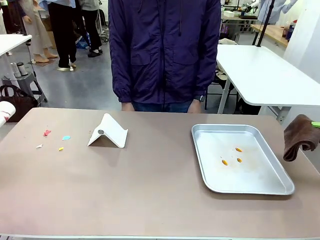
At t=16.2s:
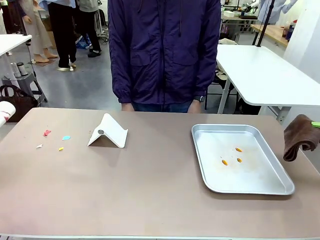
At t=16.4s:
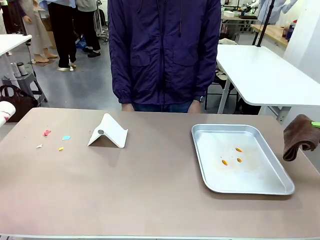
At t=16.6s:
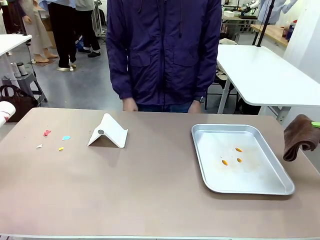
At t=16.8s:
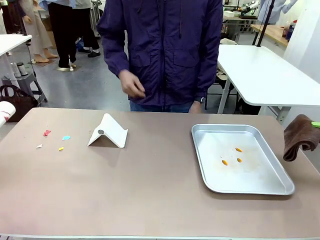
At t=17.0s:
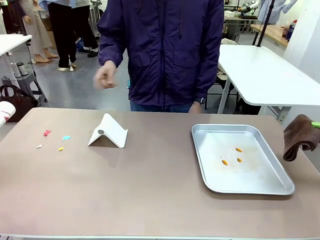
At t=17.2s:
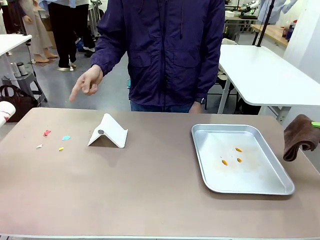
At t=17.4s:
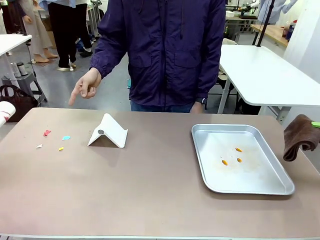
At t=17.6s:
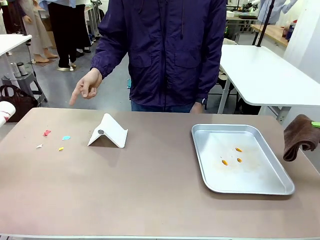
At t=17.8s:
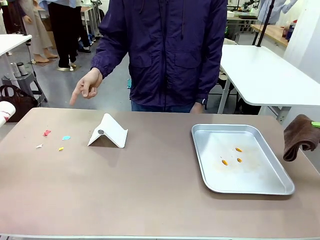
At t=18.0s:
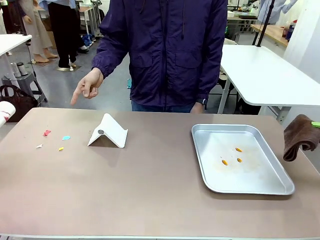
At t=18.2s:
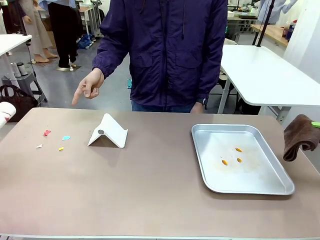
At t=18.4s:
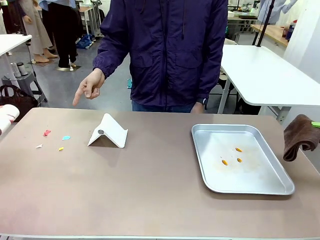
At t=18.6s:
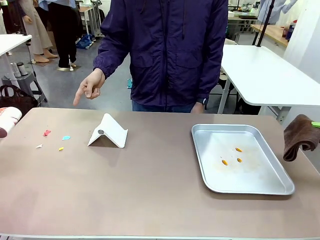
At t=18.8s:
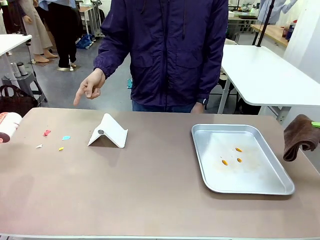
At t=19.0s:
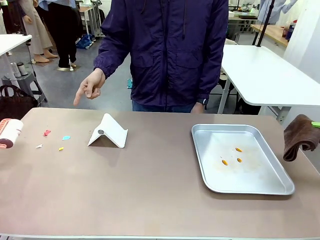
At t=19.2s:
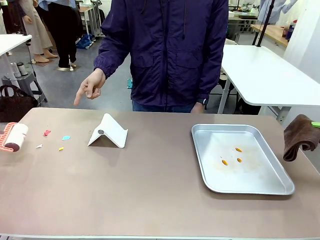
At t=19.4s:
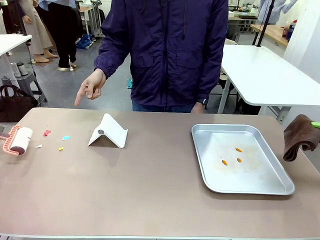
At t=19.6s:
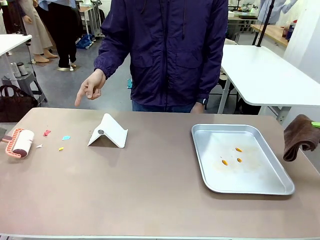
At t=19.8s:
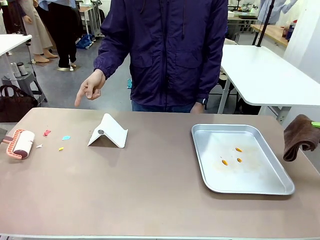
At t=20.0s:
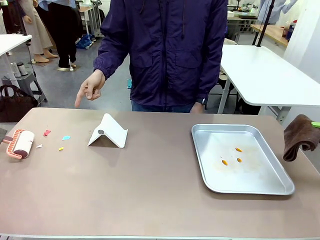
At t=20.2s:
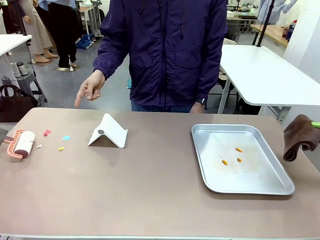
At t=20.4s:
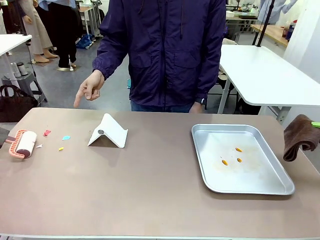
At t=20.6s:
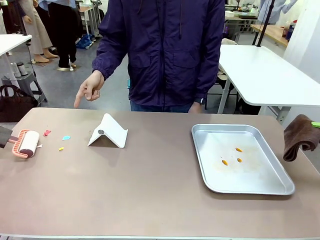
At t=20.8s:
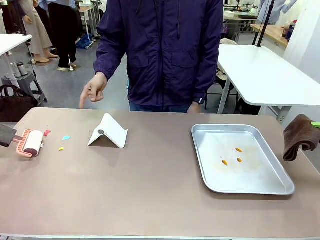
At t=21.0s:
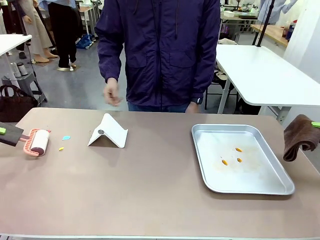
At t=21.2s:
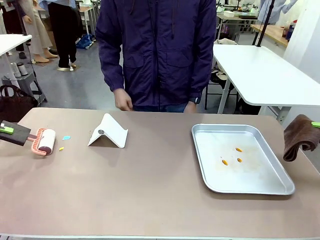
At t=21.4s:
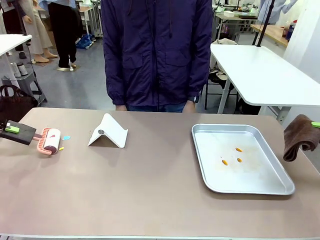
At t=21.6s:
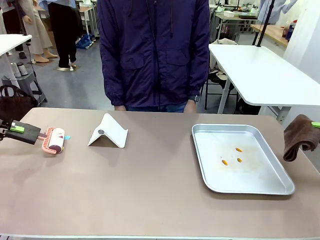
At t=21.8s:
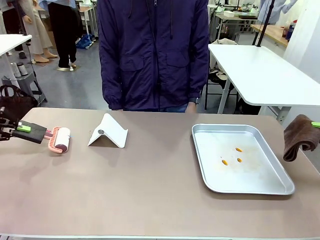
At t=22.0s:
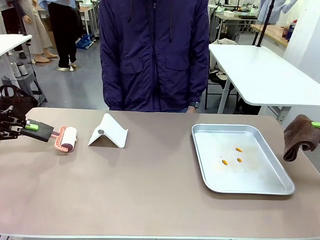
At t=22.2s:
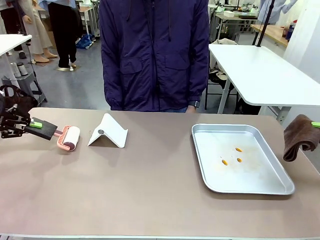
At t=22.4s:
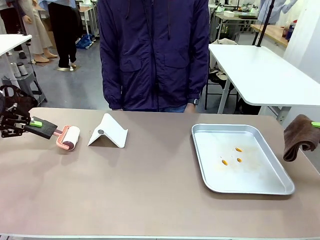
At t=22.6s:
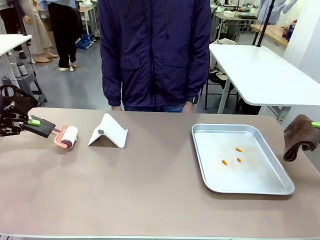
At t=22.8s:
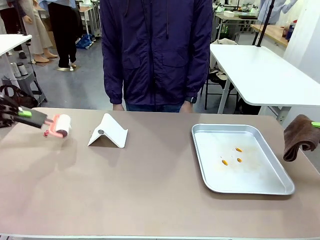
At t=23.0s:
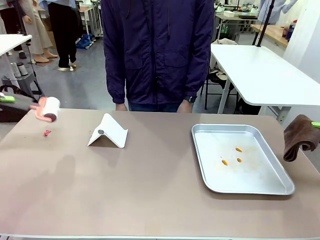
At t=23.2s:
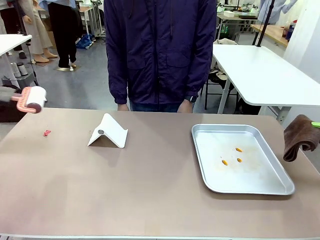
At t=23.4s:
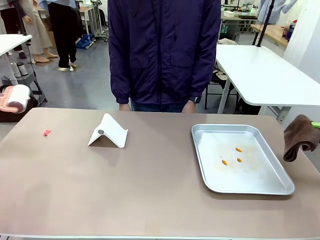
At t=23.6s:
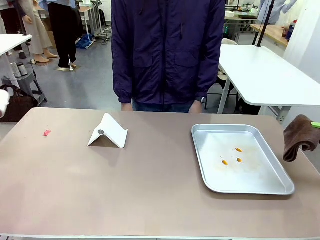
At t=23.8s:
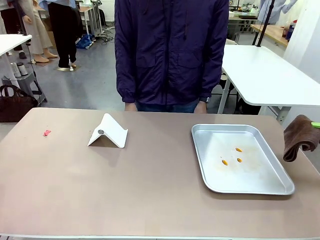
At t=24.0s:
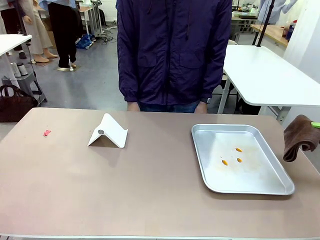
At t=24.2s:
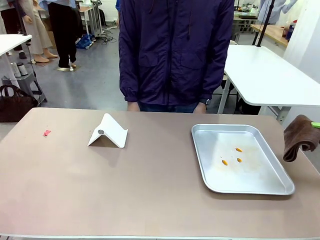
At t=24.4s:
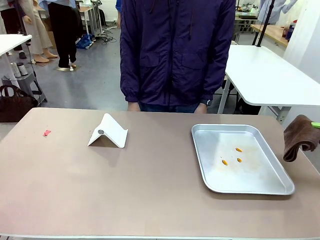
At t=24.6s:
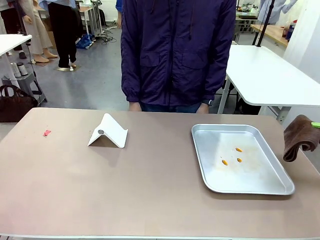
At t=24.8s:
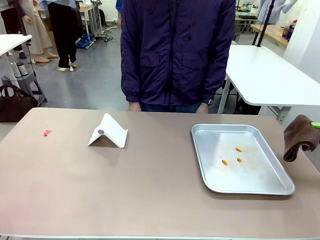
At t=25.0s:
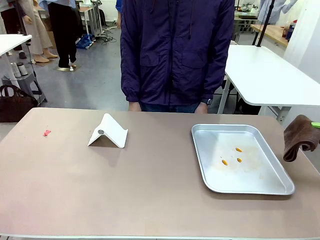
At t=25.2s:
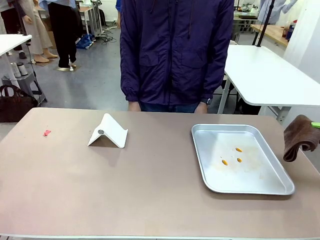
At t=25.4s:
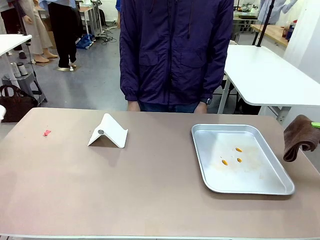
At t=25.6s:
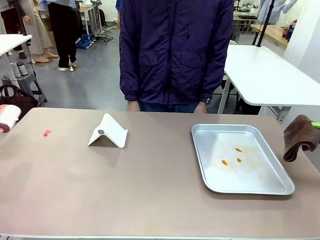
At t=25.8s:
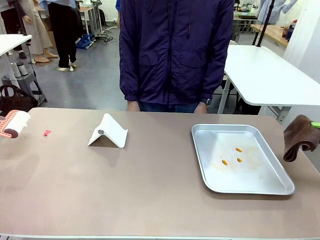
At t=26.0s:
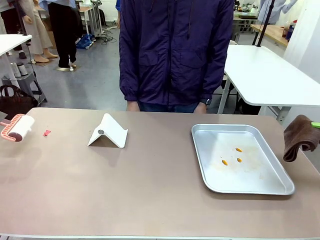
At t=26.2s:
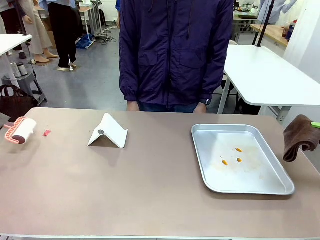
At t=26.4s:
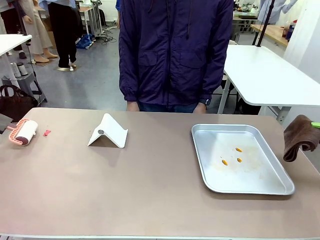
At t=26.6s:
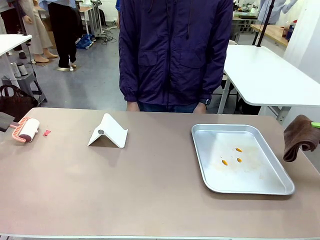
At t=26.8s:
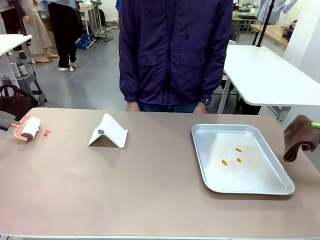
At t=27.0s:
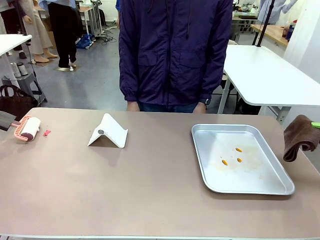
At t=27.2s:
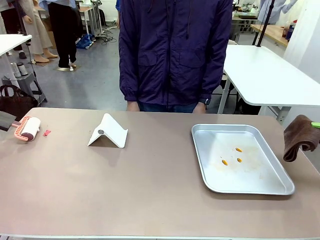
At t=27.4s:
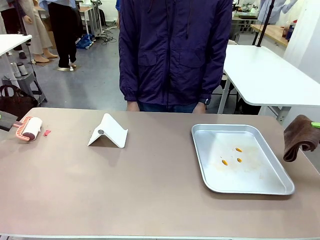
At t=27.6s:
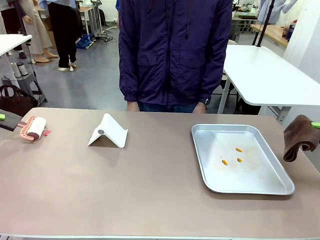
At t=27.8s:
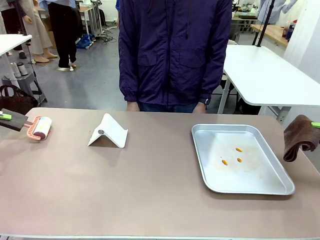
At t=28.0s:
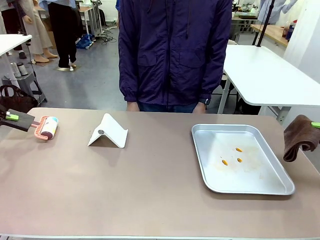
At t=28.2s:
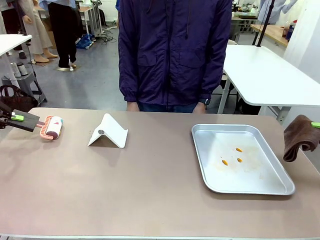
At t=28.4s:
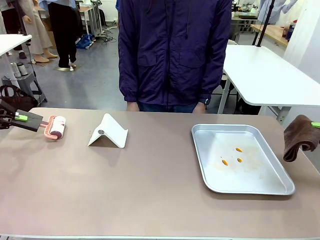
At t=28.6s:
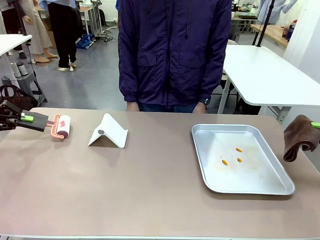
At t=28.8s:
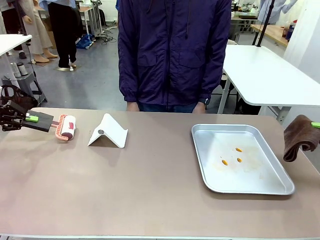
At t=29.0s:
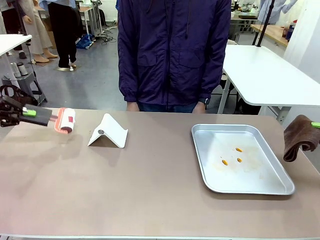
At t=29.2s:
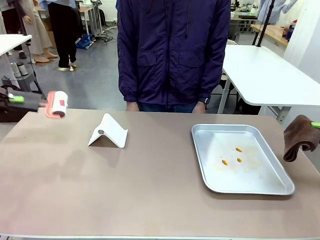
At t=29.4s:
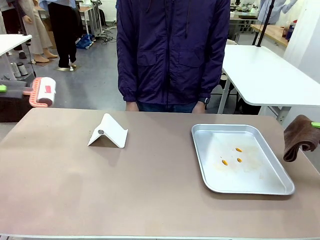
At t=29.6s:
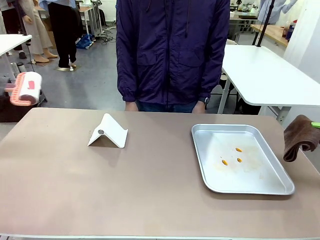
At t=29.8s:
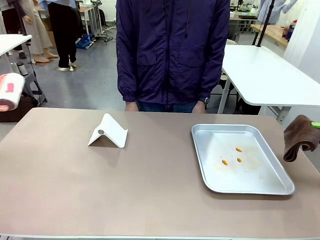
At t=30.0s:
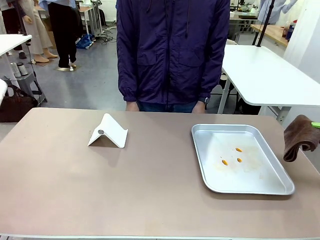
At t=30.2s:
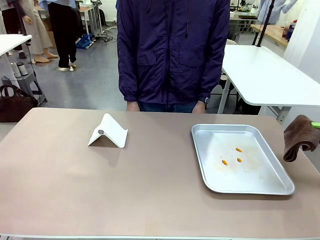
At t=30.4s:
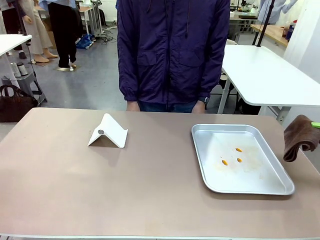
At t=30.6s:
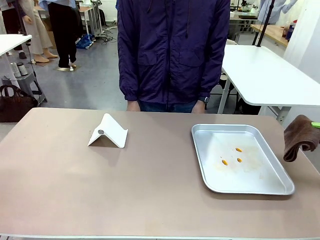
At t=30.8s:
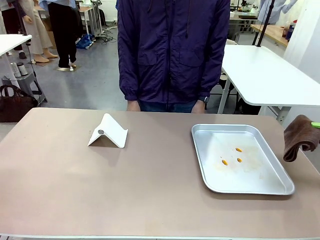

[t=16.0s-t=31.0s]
Task: Clean the surface of the table.
Robot: If a person points to the right, clean the right side of the table with your right hand, and if they point to the left, clean the left side with your left hand.

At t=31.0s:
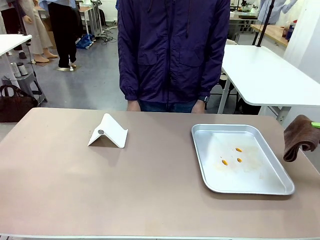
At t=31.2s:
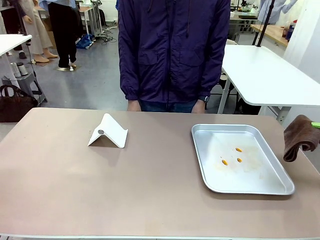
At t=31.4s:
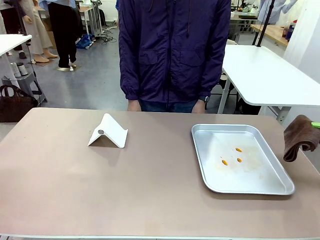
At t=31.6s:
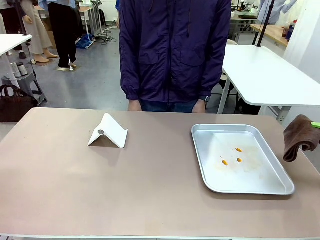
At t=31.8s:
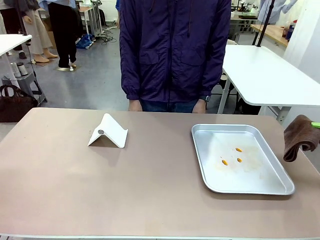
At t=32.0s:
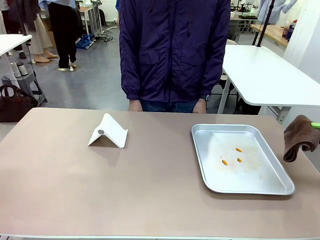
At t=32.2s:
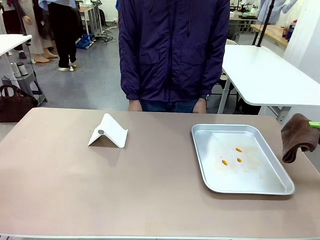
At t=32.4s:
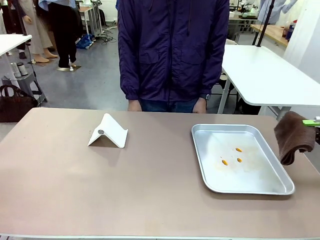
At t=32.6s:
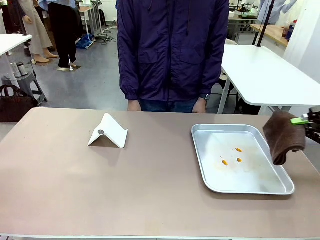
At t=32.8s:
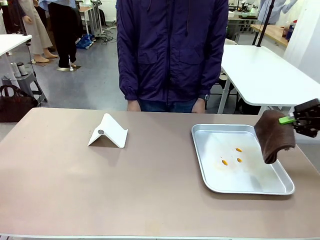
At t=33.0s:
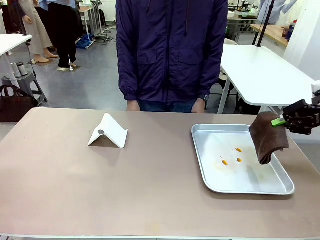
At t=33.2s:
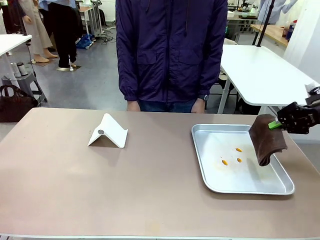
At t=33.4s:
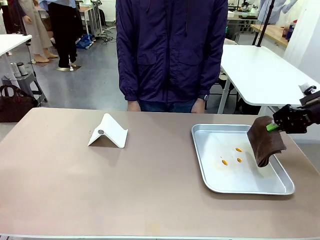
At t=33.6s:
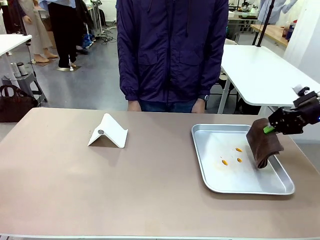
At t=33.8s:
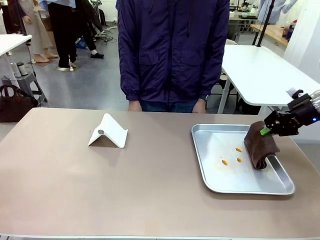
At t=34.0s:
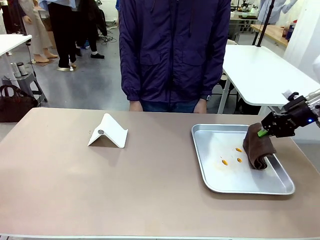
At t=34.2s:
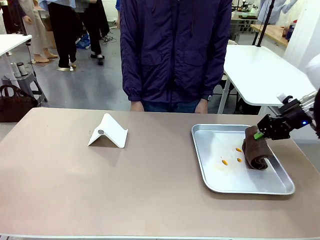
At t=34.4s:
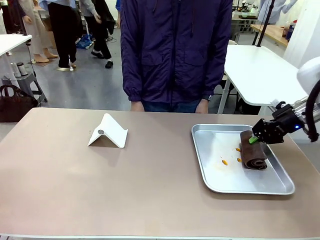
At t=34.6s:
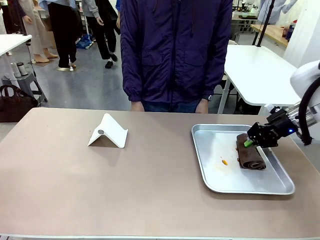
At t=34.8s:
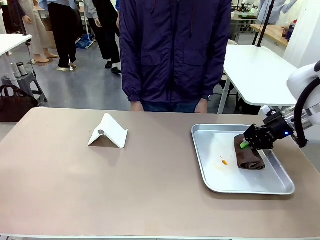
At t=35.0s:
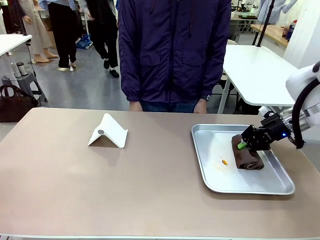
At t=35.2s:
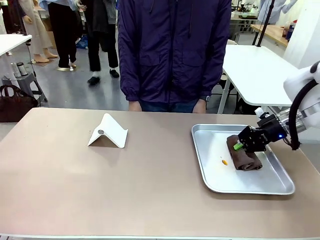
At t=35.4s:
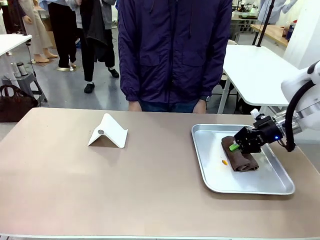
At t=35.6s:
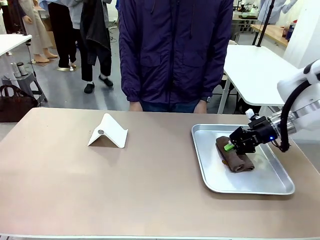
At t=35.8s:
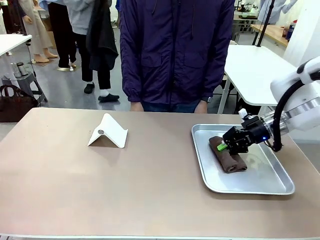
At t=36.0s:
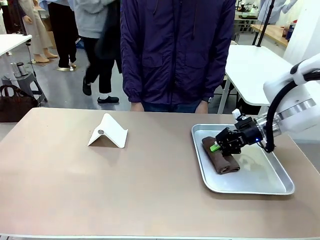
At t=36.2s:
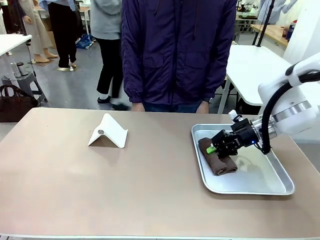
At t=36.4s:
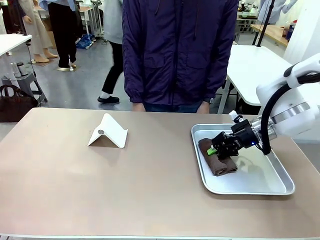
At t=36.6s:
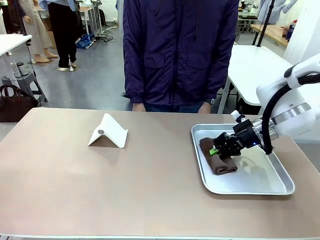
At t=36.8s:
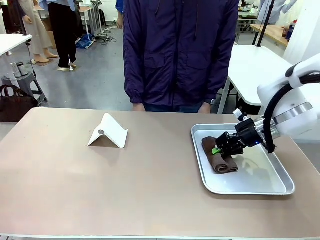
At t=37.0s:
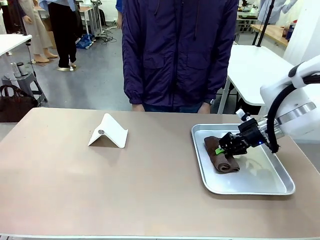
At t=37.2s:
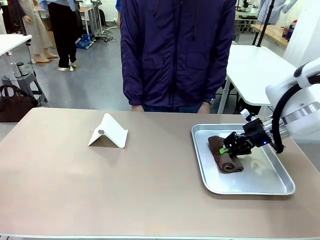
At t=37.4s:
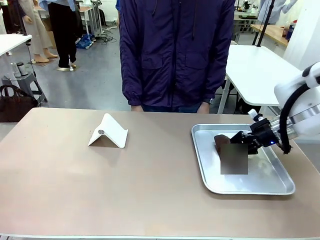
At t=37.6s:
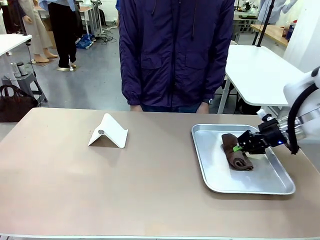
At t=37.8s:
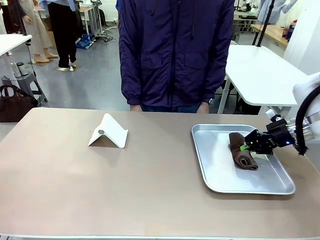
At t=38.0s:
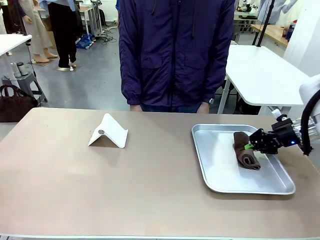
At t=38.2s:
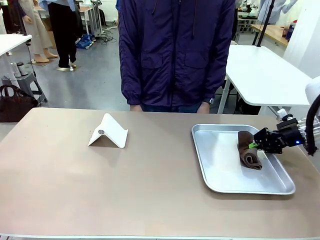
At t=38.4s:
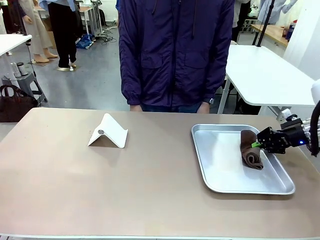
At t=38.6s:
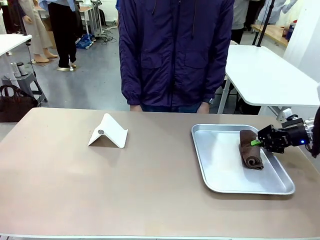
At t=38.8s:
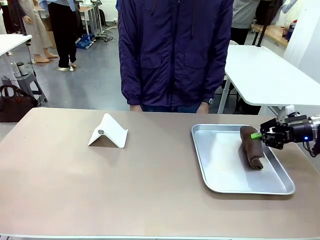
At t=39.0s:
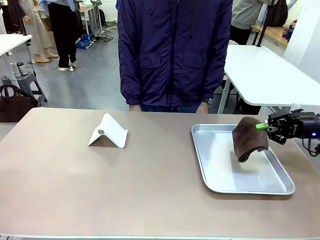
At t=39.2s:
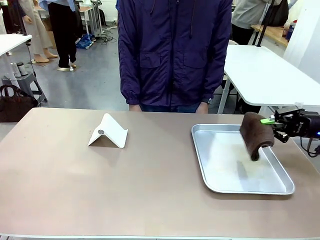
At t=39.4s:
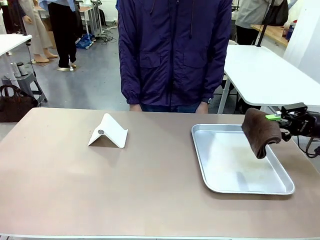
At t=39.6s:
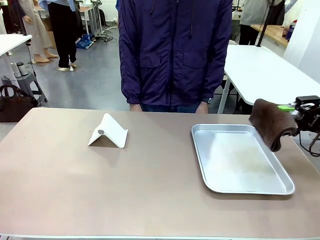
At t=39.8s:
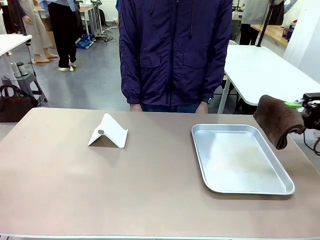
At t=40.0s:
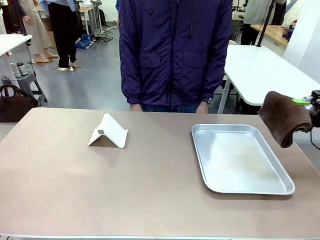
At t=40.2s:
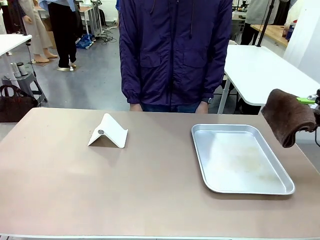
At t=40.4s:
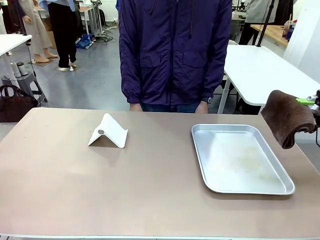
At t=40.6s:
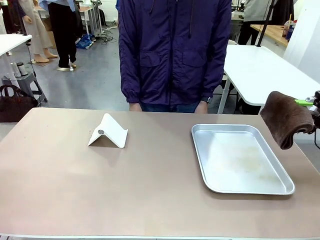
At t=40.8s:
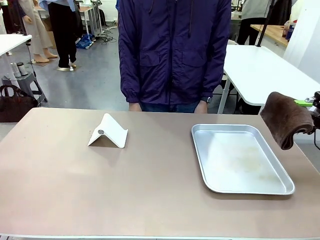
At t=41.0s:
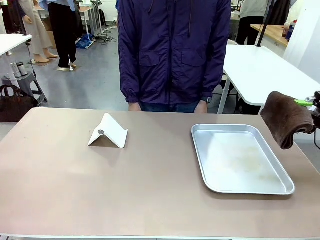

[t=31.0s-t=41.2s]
Robot: Clean the area not pointed to by the person.
